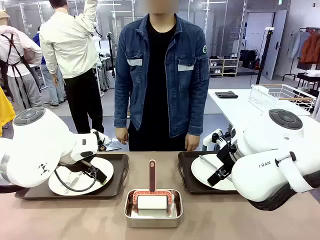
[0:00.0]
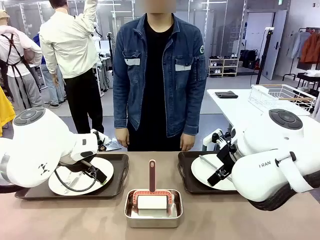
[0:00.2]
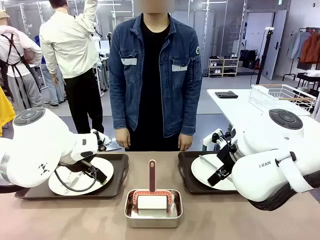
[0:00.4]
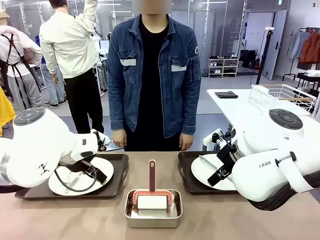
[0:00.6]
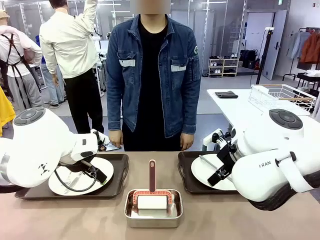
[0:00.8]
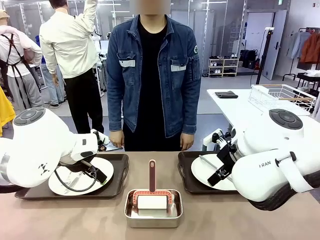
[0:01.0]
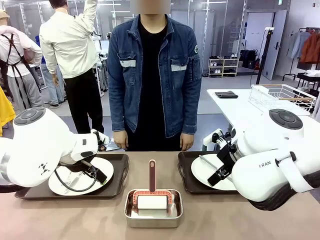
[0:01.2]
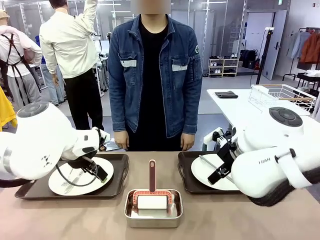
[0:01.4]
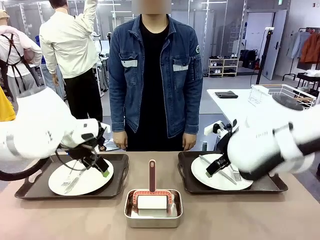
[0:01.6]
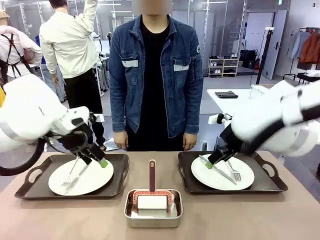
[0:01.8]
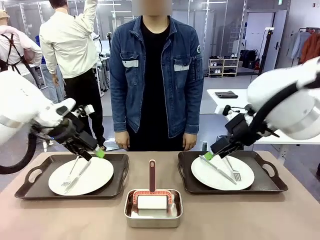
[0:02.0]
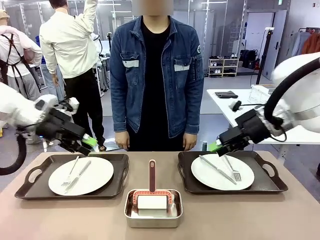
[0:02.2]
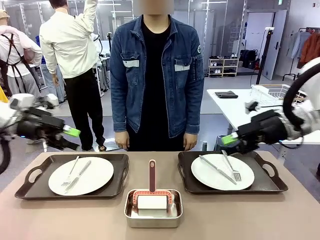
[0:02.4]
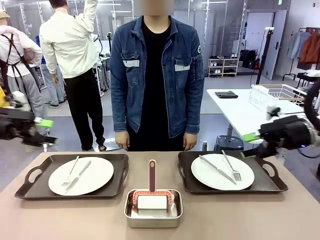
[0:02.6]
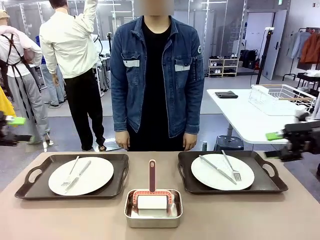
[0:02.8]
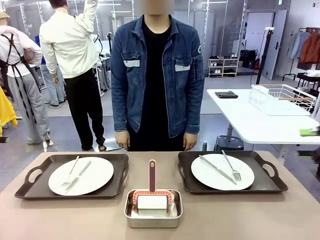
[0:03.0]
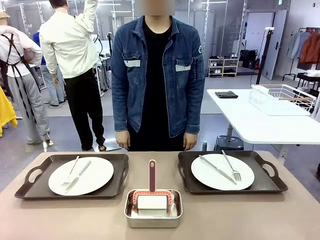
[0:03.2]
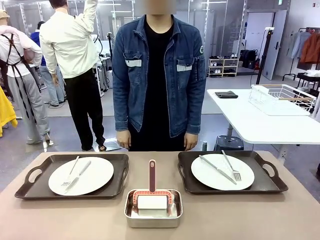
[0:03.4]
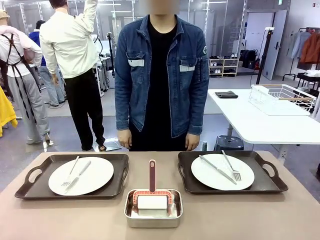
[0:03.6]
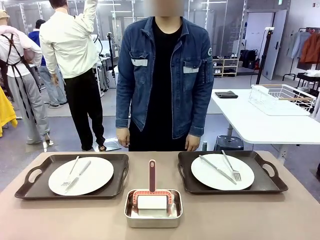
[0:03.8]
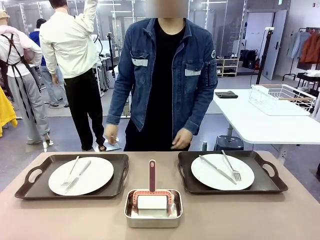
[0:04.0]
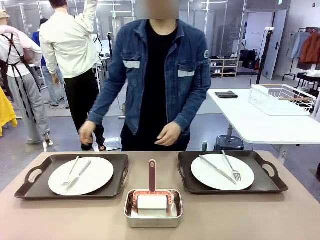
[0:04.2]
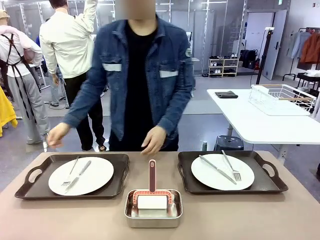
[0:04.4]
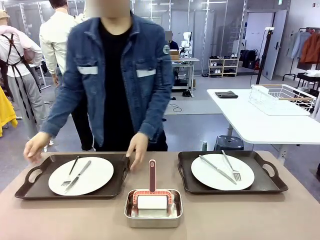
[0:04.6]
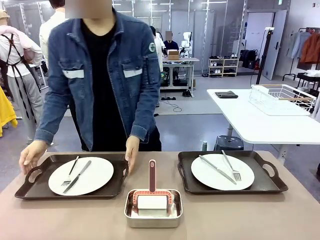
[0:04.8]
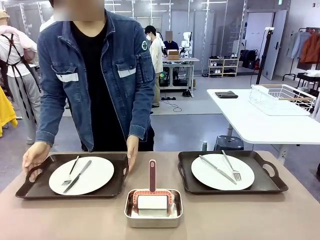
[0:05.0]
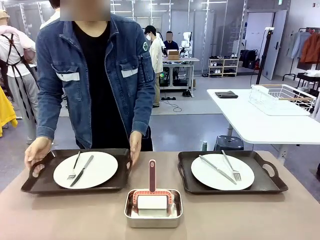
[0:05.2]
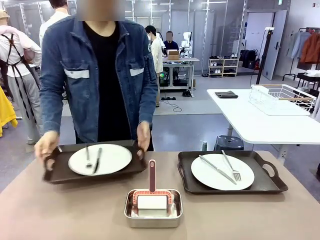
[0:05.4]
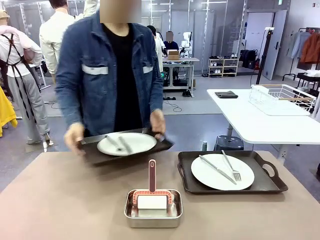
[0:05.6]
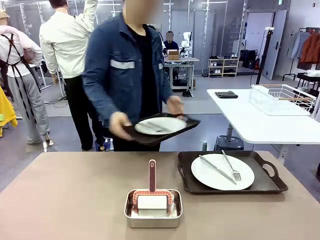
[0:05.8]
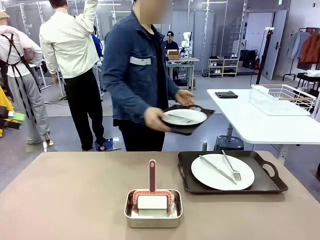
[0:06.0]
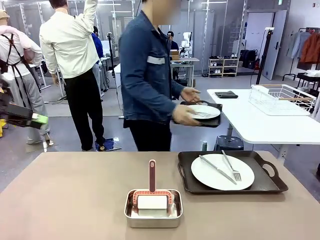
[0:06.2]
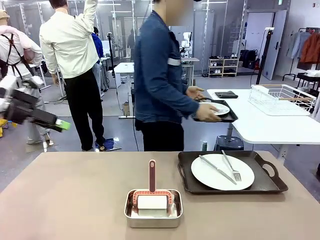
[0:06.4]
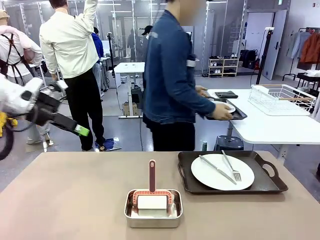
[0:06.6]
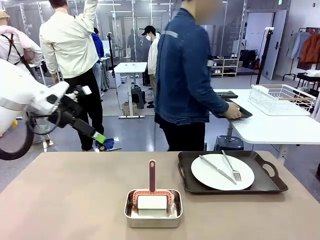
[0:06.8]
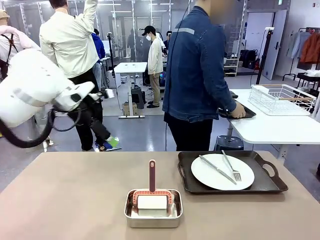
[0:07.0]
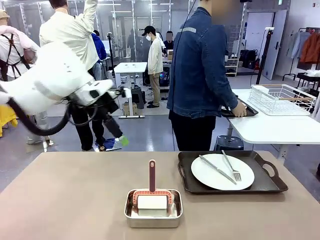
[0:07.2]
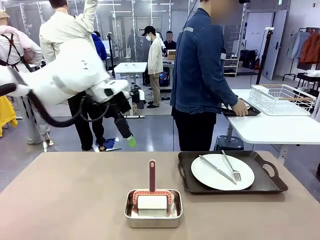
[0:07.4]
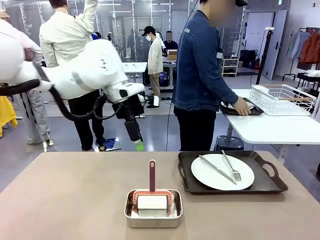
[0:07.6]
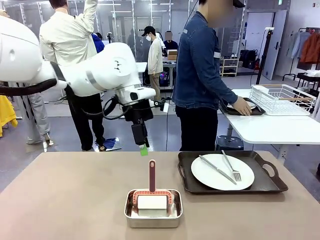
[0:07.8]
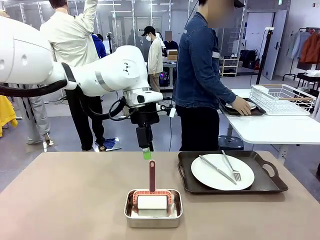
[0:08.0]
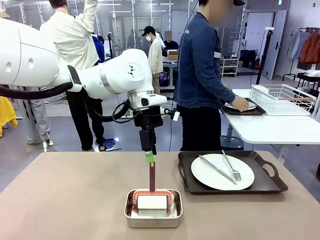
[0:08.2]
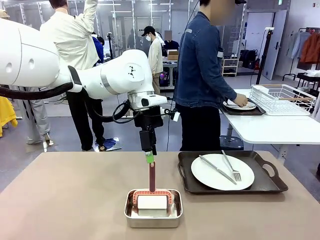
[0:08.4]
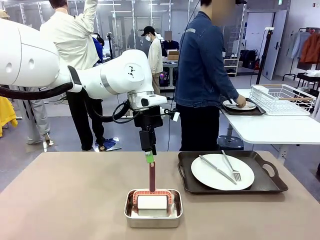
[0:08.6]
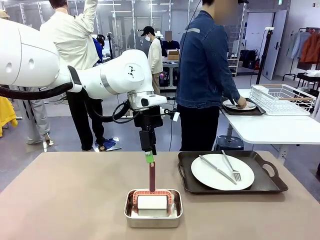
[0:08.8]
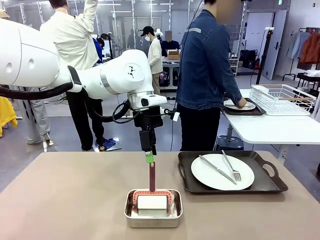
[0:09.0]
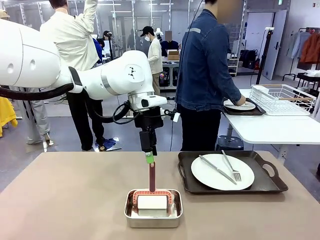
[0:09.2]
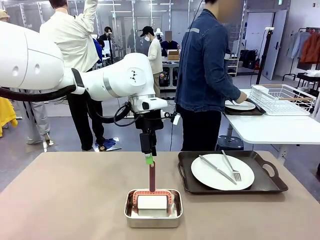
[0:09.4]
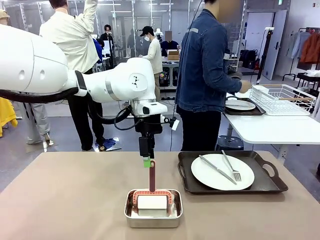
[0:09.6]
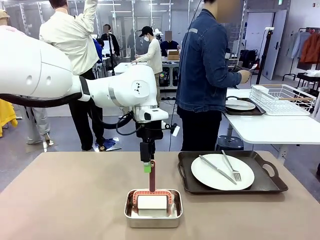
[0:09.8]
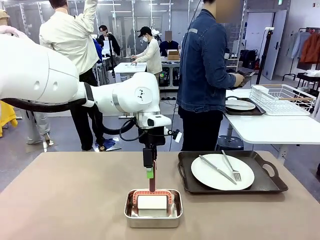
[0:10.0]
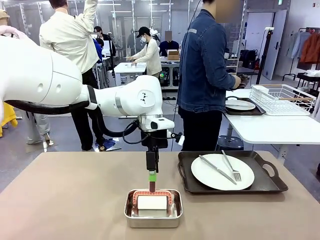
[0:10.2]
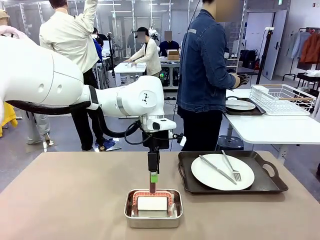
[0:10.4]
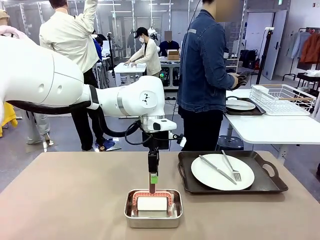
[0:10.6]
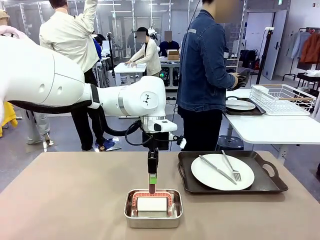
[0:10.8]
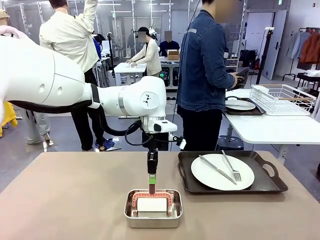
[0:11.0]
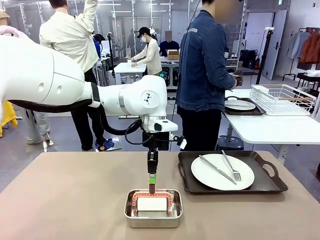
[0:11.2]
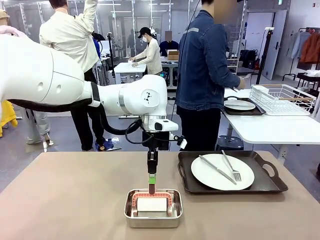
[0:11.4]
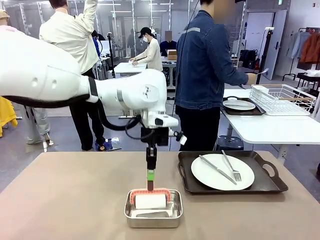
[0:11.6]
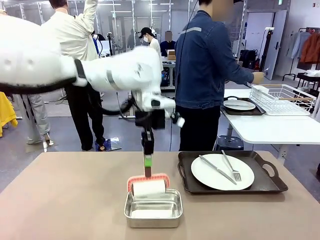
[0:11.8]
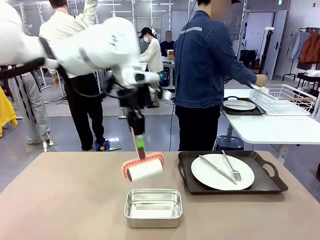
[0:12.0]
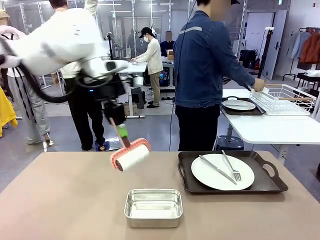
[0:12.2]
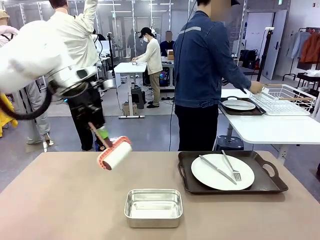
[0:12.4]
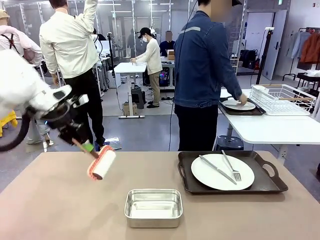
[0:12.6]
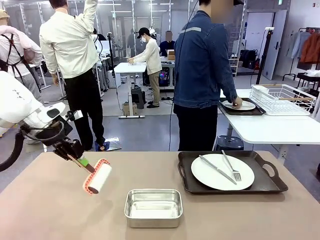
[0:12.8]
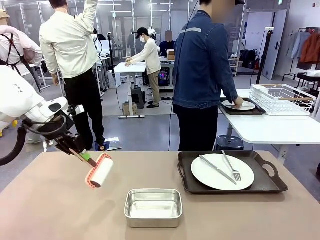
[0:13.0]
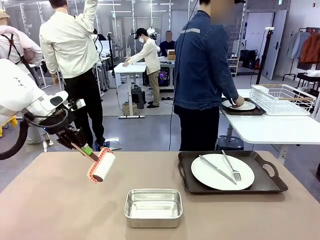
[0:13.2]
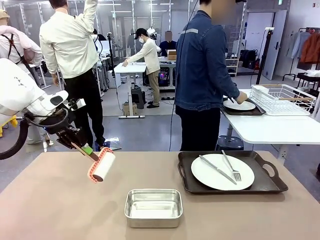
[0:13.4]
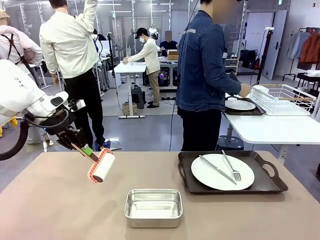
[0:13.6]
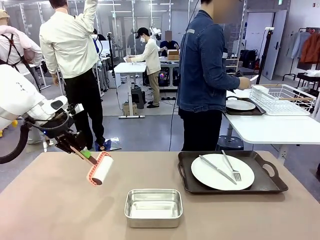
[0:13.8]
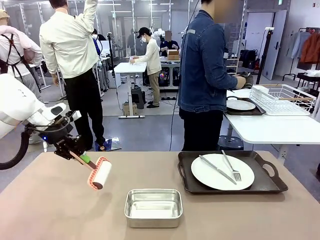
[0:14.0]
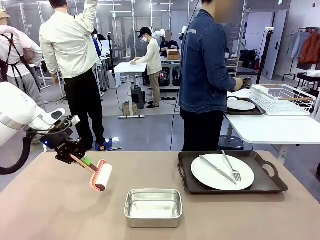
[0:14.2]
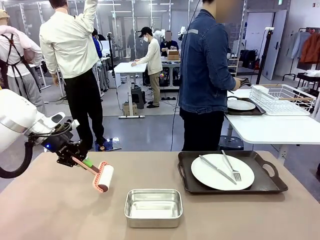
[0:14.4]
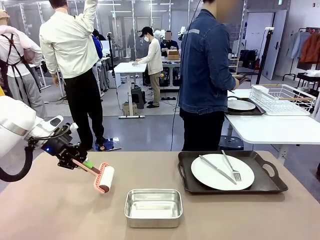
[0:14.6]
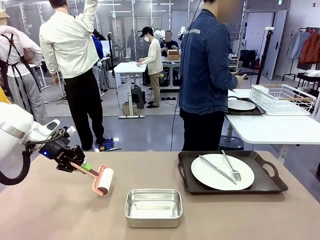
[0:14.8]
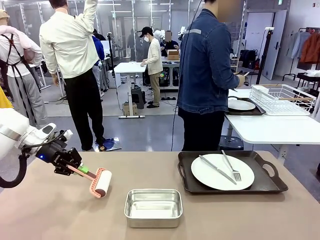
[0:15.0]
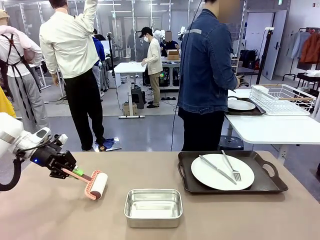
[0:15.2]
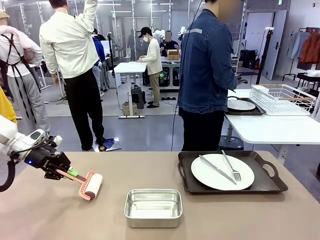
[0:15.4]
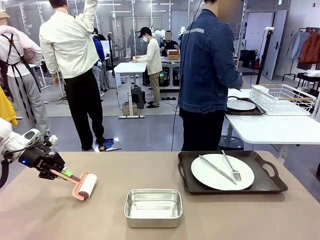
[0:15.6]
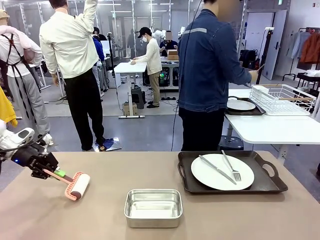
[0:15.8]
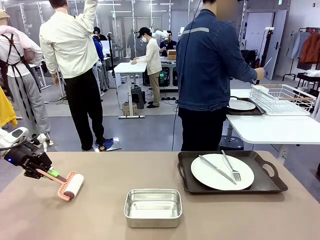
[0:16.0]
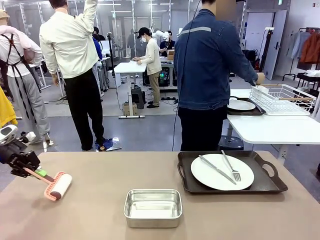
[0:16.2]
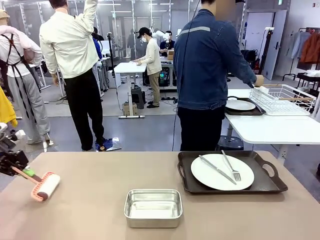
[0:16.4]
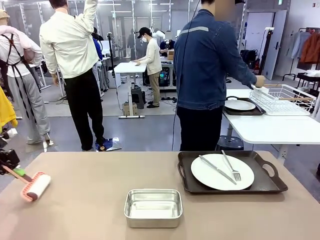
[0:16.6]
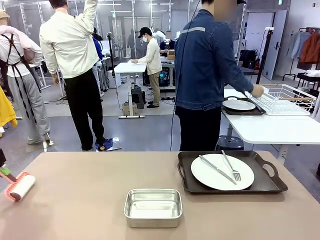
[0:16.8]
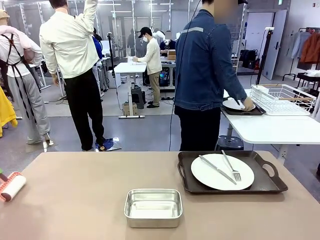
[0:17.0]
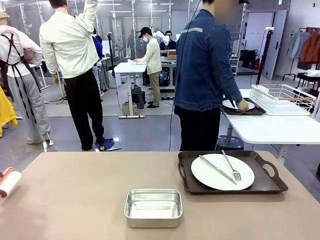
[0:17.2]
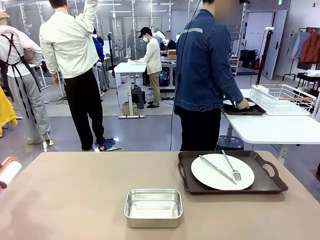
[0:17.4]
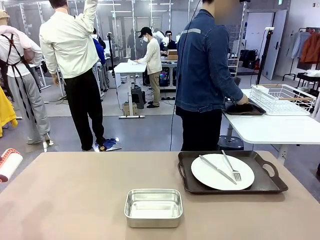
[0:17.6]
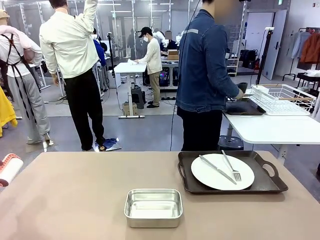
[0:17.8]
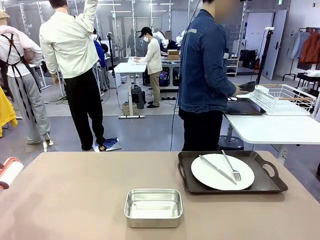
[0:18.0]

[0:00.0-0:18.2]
Robot: When the left (or right) Handle tray is removed, use the left hand (or right hand) to clean the left (or right) side of the table with the Lint Roller.
Person: Pick up the left (or right) Handle tray and place it on the middle of the Human's table. Use the Towel with hook to wipe the Plastic Matte Plate , Fork , and Knife and place into the Dish drying rack.

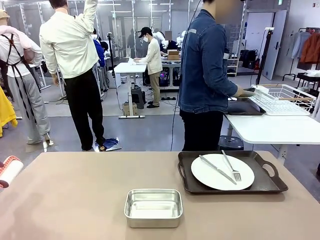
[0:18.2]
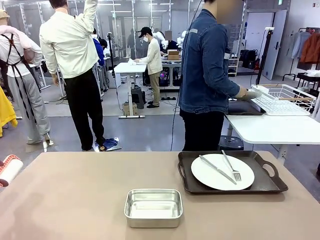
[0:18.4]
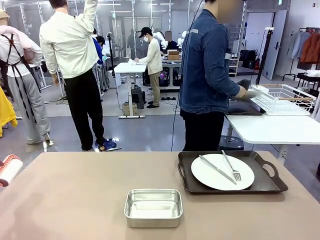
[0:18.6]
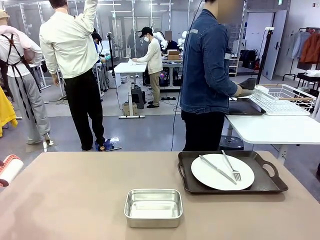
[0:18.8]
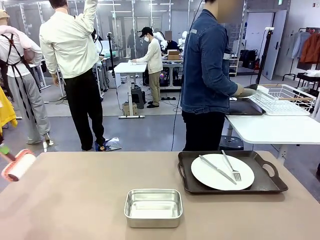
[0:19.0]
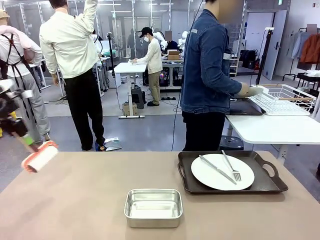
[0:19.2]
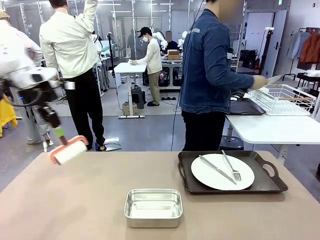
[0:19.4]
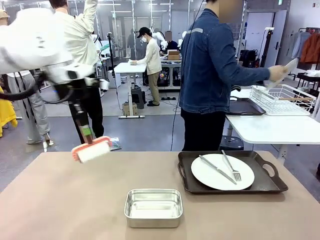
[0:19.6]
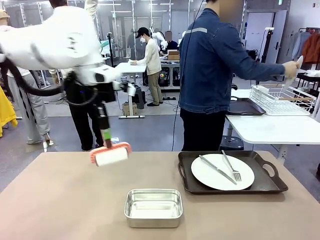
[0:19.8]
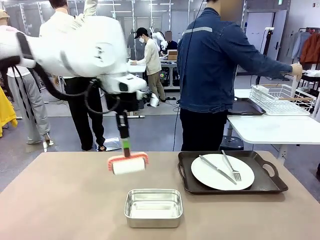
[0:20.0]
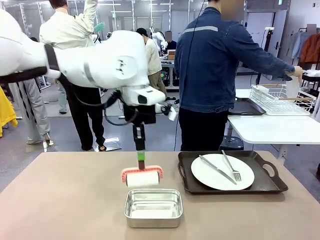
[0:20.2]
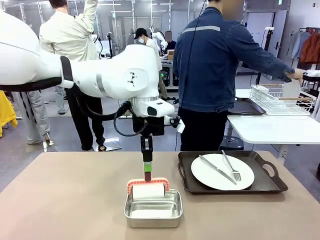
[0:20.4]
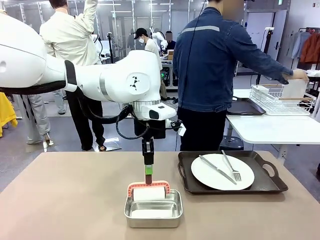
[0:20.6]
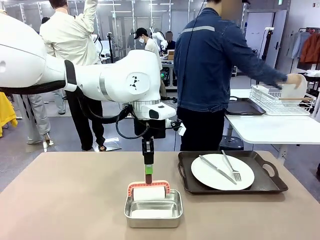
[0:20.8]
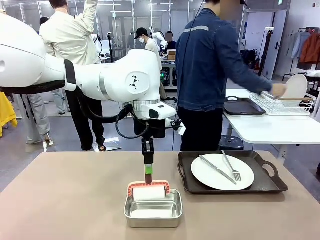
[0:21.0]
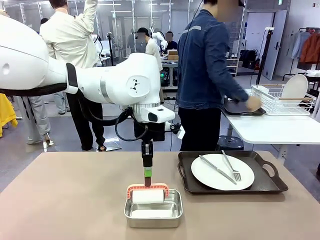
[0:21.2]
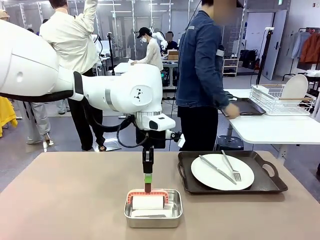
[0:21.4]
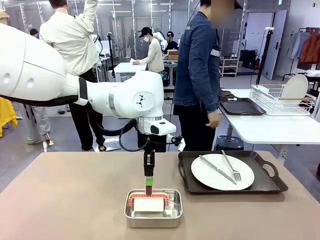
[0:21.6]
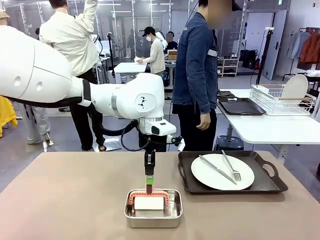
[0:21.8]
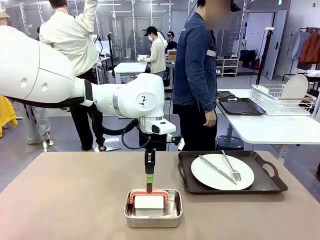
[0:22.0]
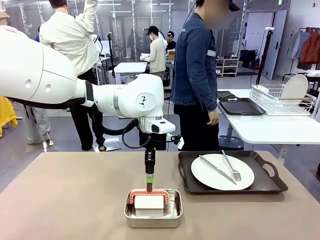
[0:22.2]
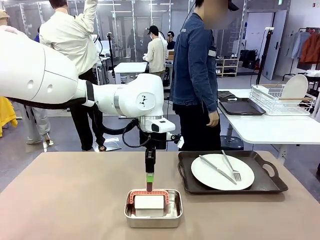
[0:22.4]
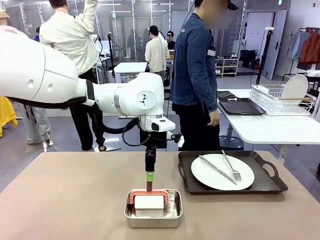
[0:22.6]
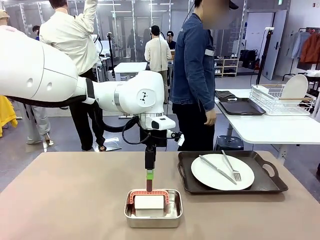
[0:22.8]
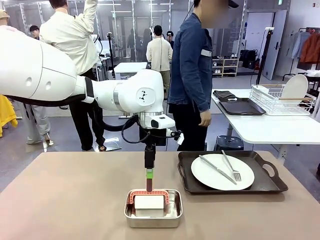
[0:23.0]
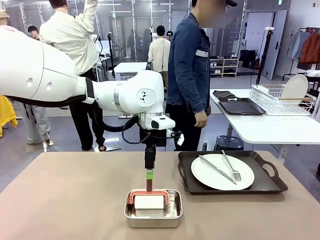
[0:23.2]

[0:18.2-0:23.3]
Robot: Place the Lint Roller back on top of the Airtight Container.
